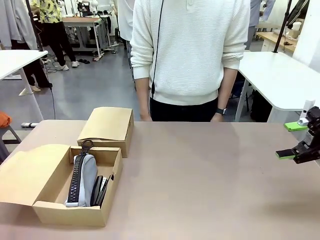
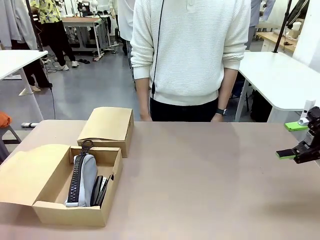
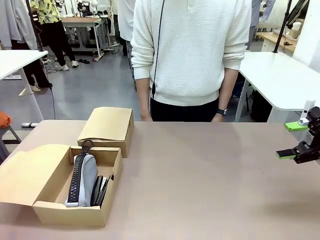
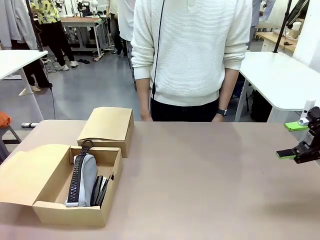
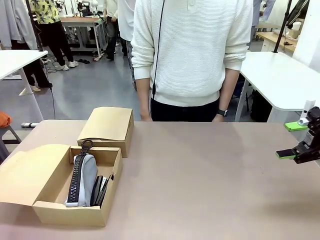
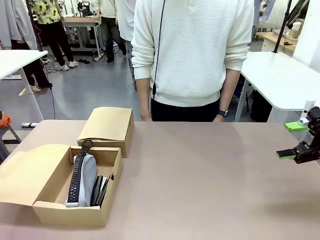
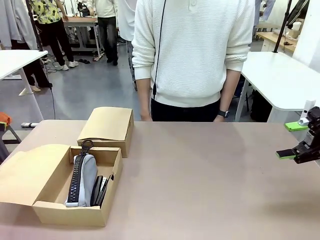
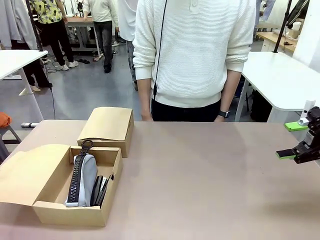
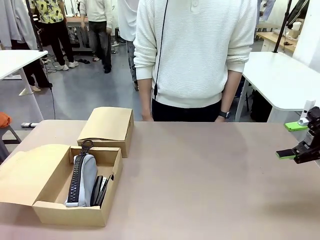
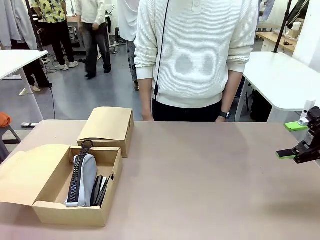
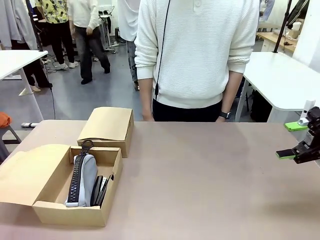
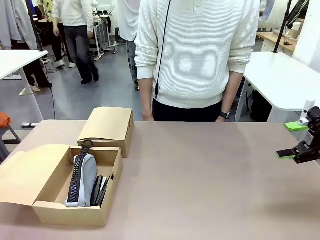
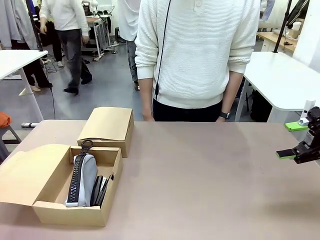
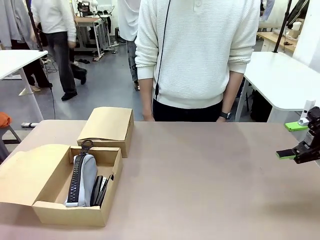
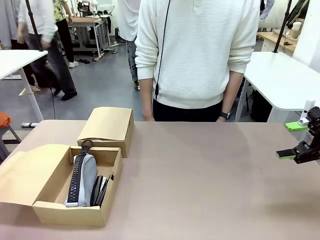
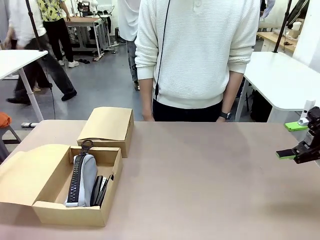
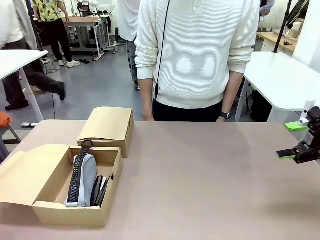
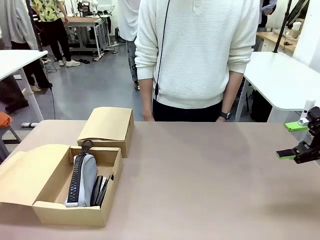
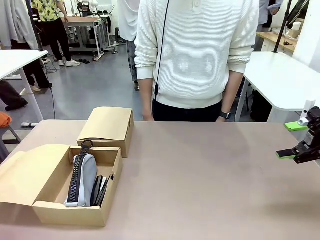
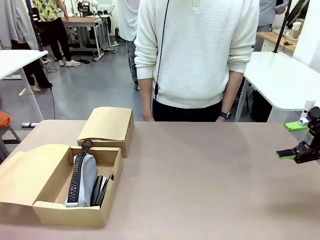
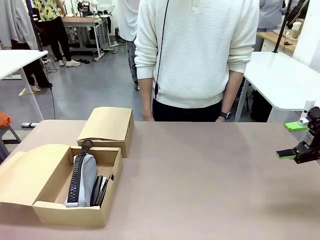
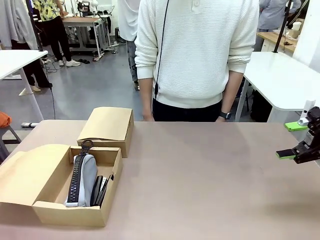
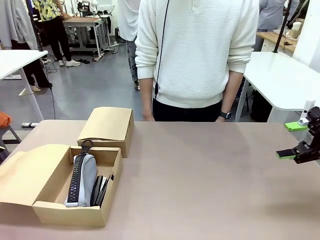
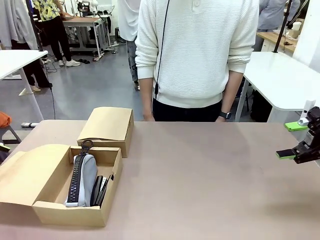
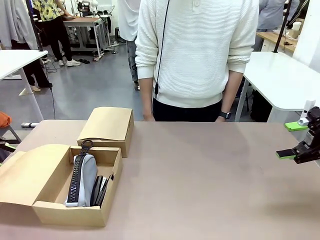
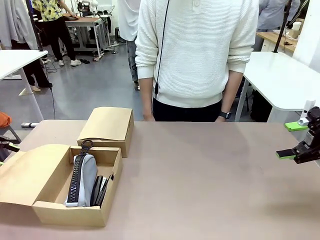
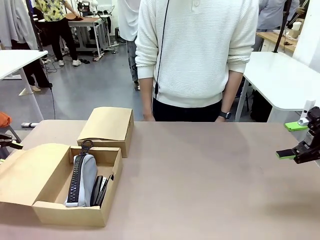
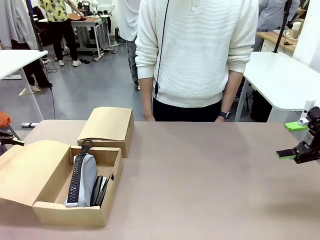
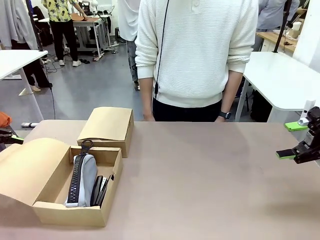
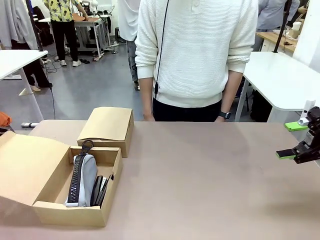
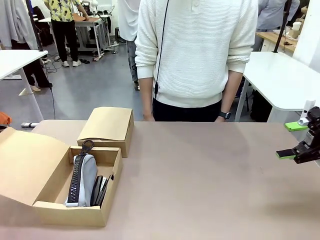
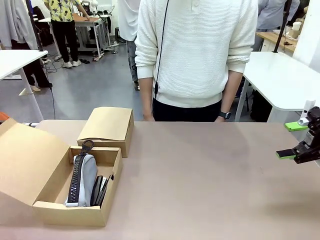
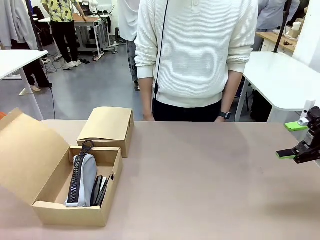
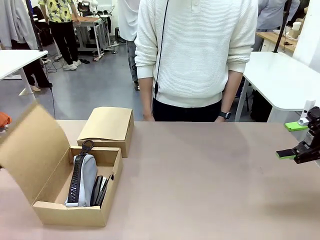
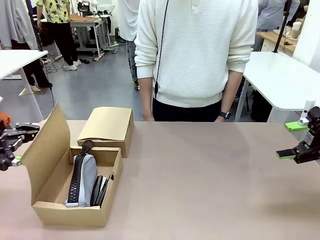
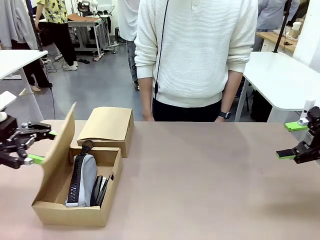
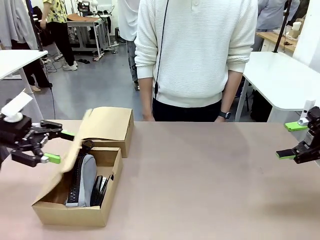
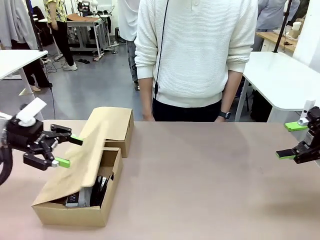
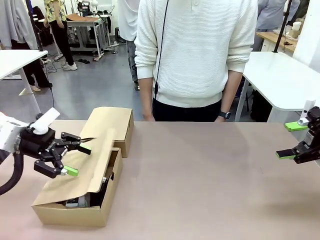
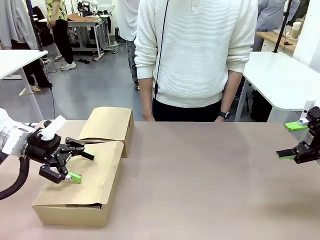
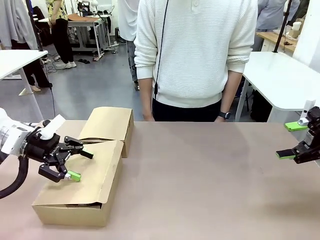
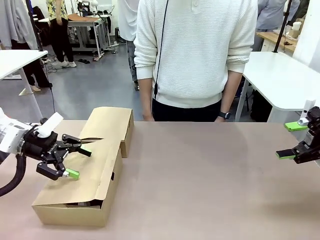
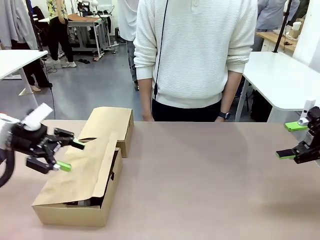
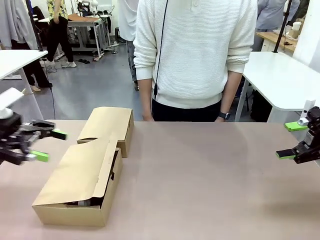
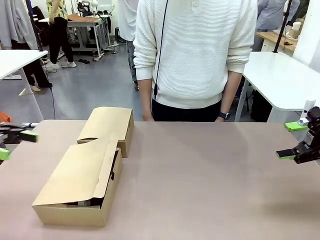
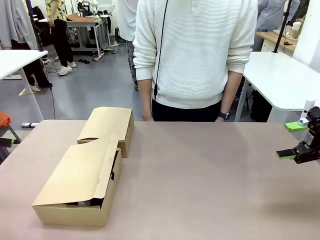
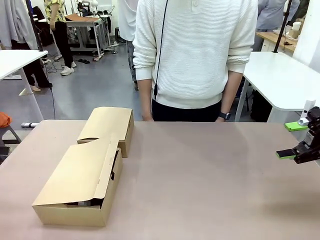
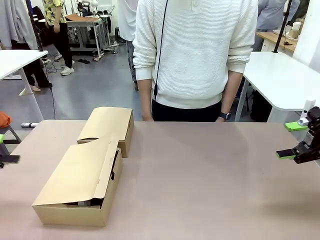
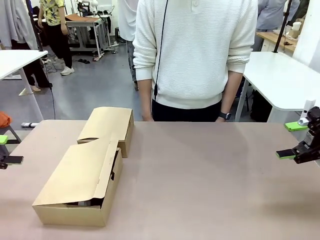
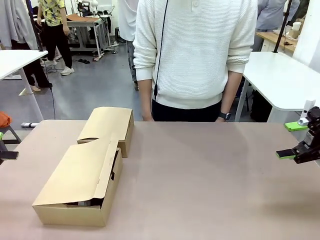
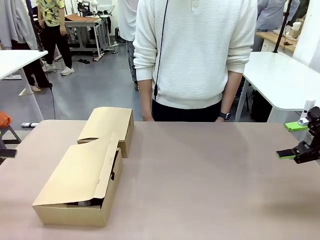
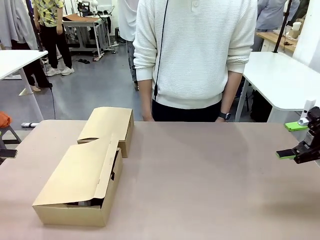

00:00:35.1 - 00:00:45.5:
Task: Place items inside the box.
Robot: Close the lid of the Mailer Box closest to the robot.
Person: Close the lid of the box facing the person.

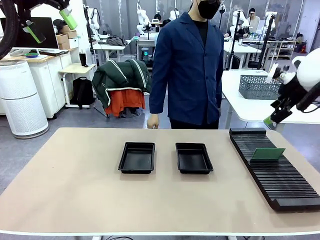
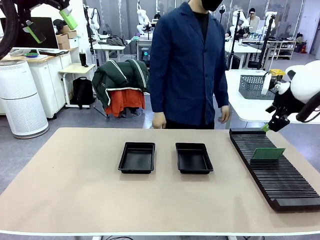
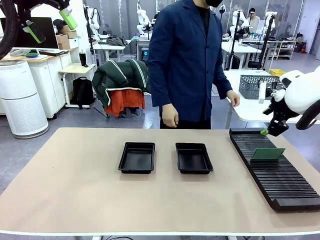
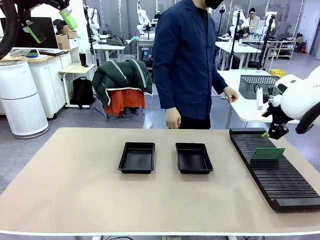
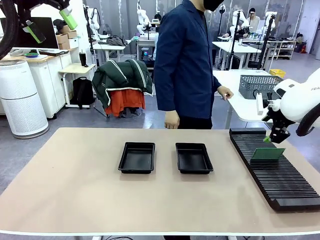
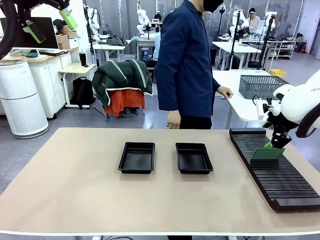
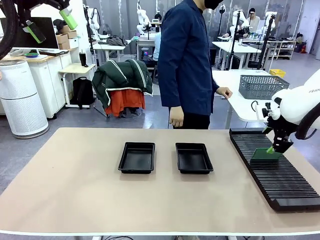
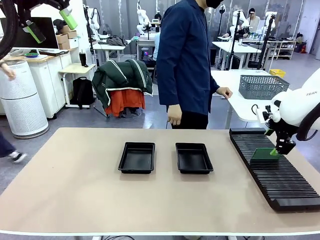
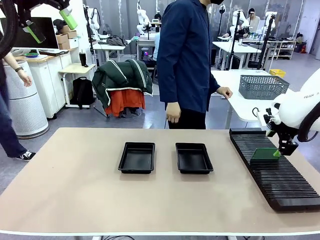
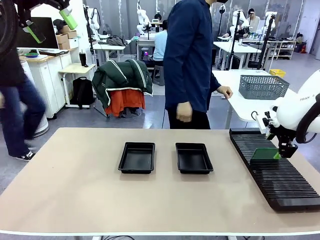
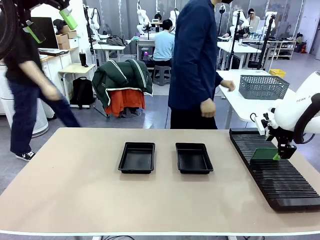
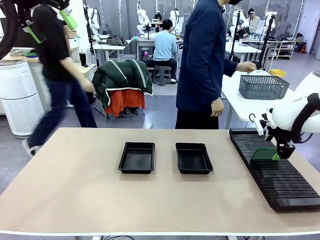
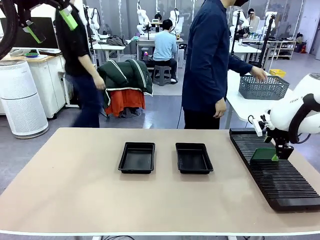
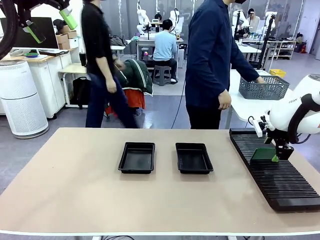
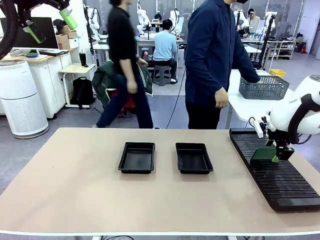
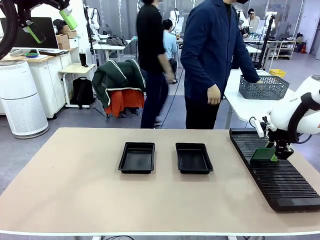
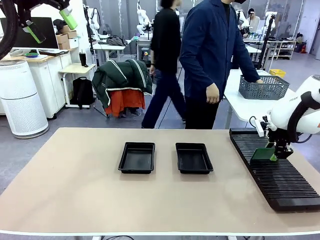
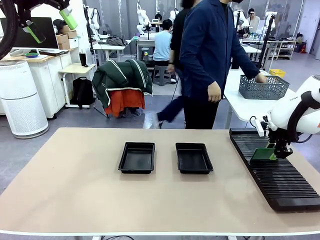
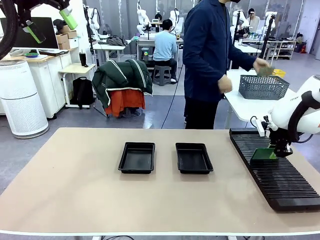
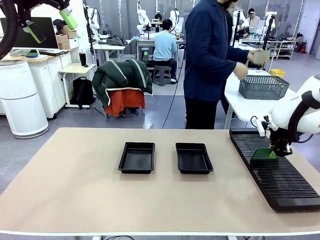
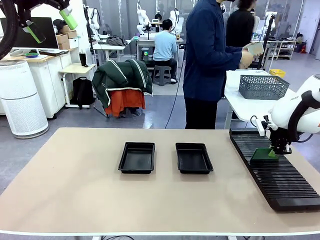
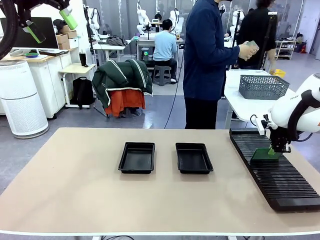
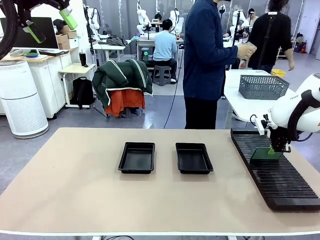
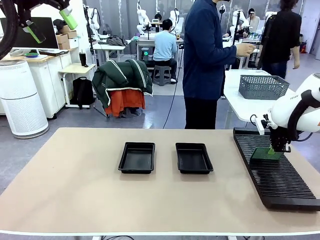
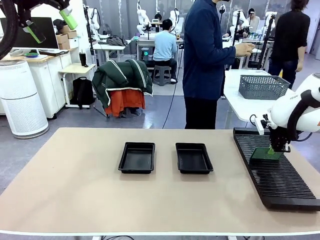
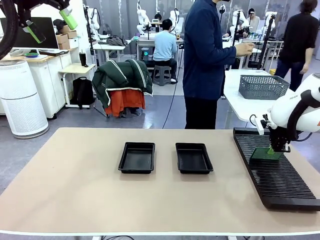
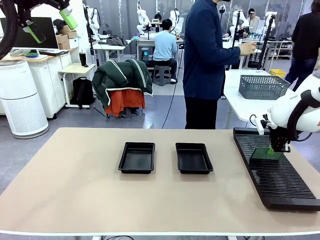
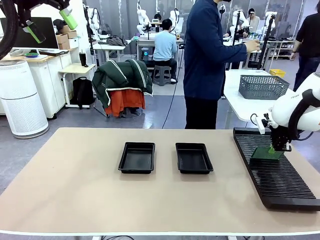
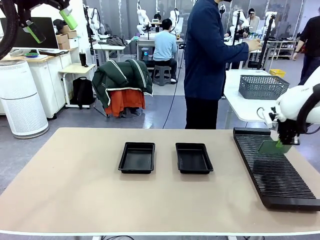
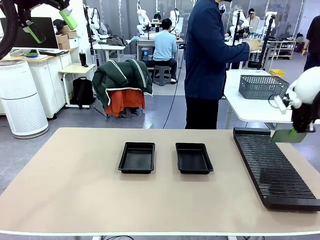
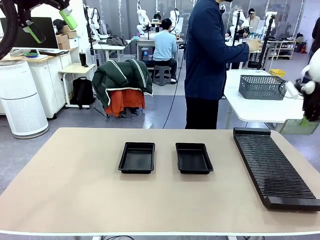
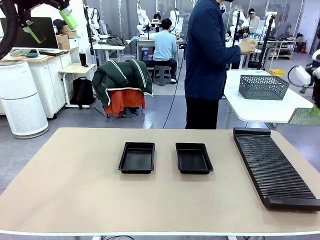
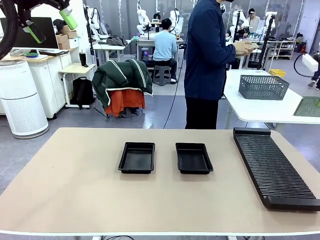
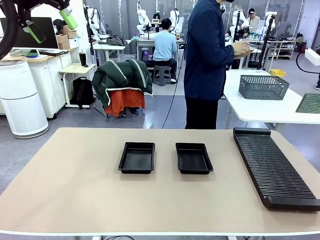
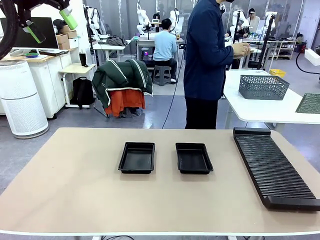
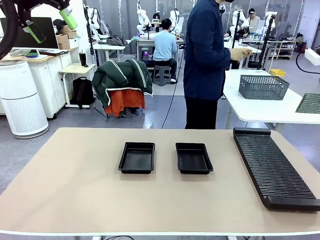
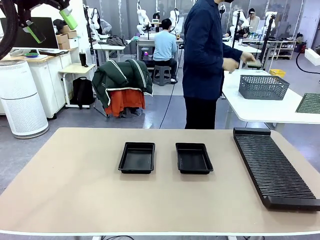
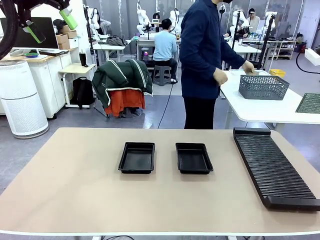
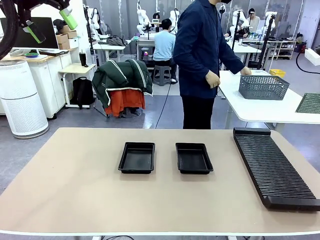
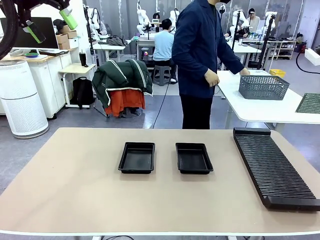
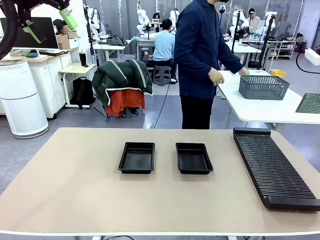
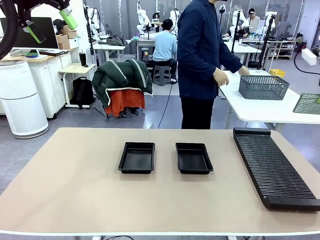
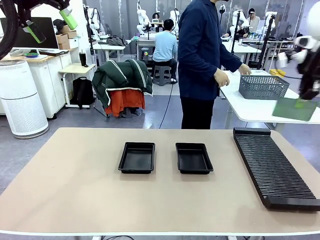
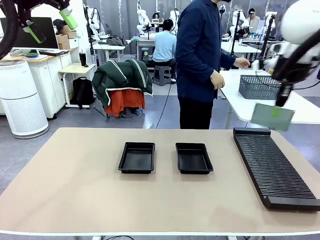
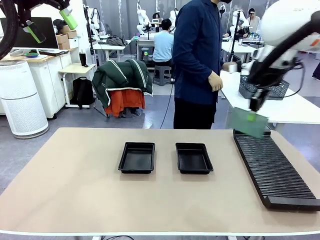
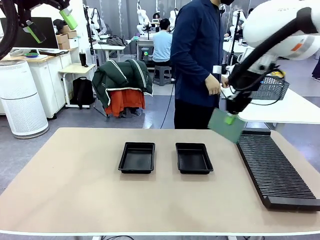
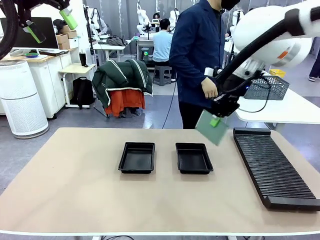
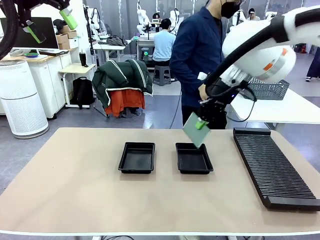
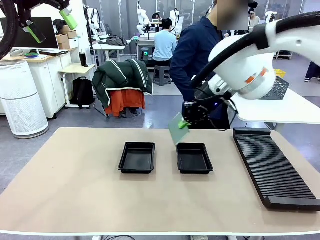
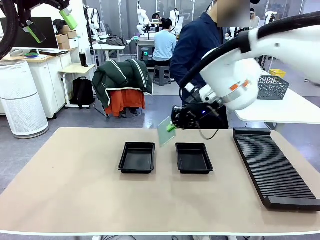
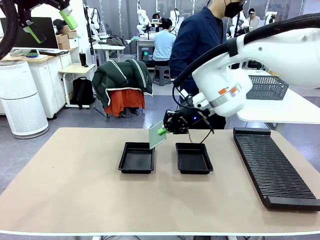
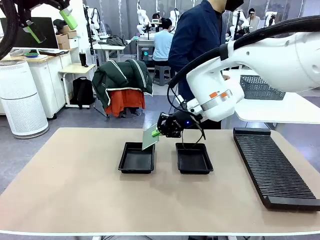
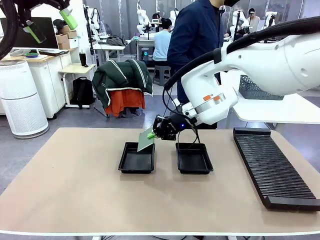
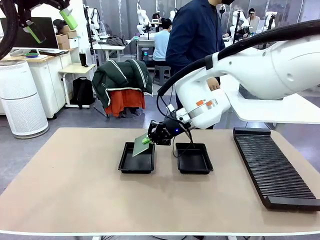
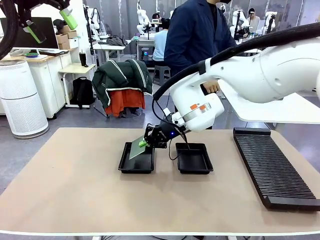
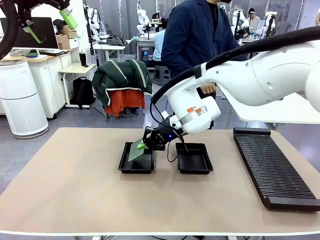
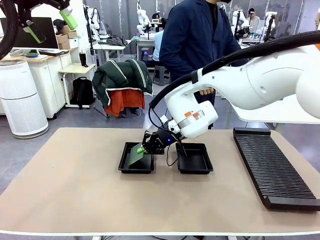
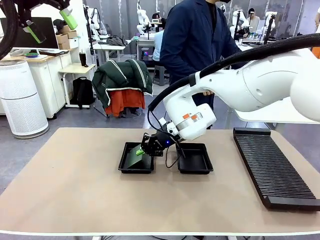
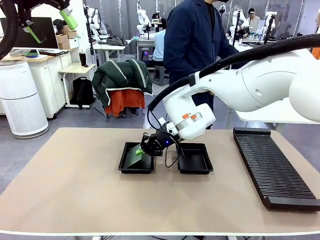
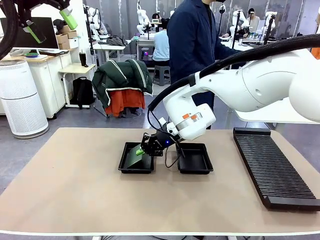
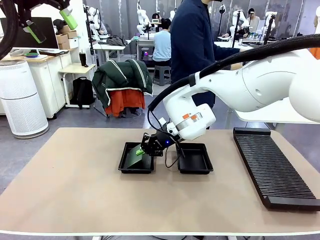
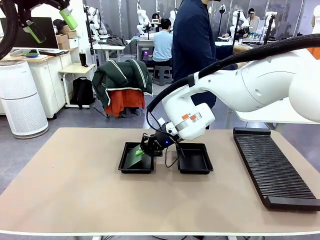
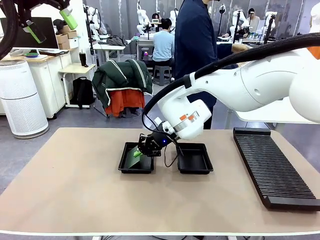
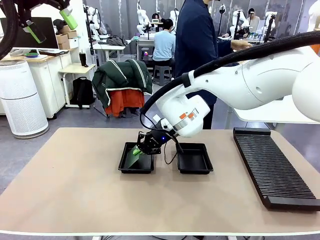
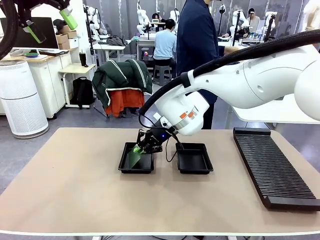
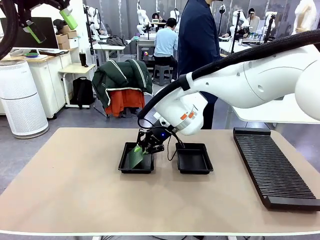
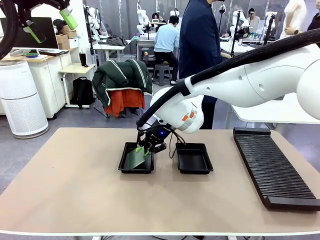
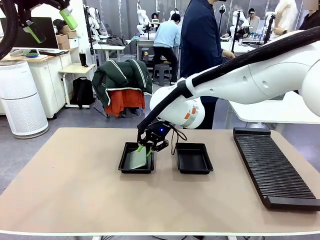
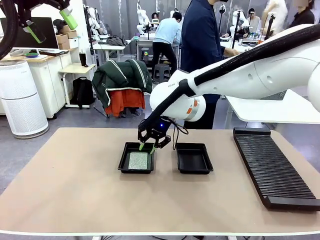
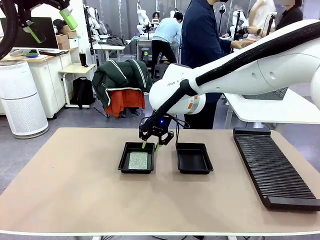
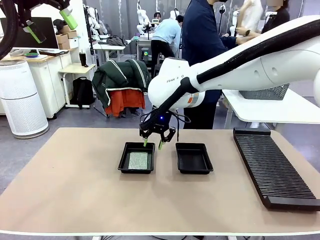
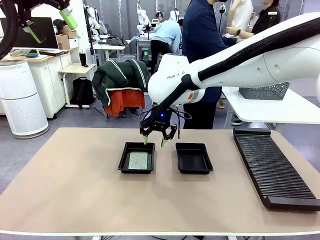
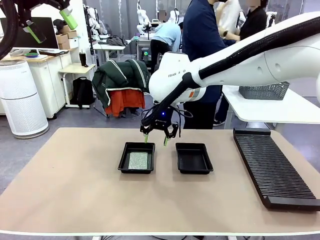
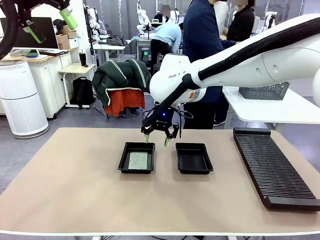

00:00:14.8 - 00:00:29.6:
Task: Inspect and transfer BCBs to ESD trays.
Robot: Pick up the Blank PCB from the PCB Rack and place it in the left ESD tray.
